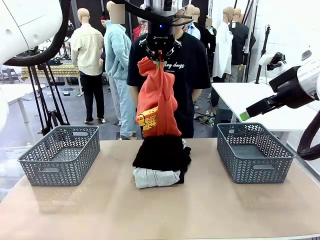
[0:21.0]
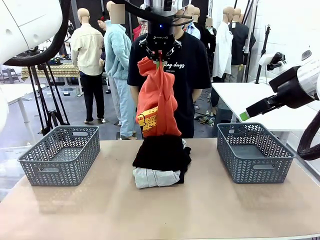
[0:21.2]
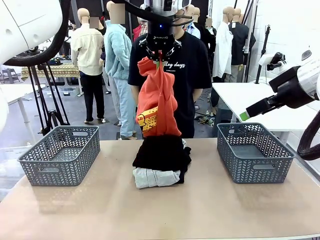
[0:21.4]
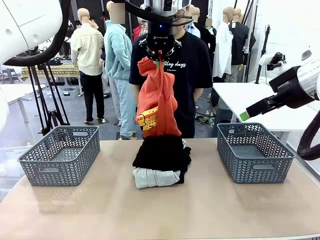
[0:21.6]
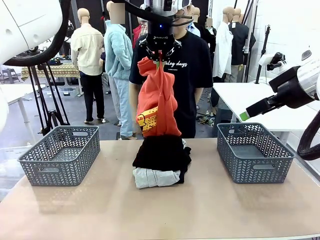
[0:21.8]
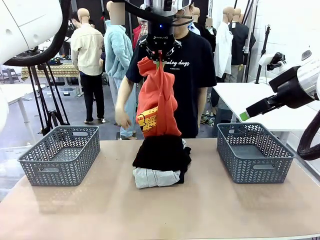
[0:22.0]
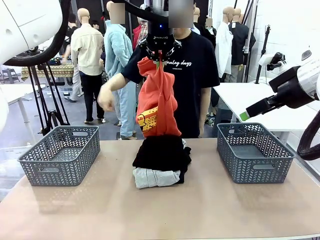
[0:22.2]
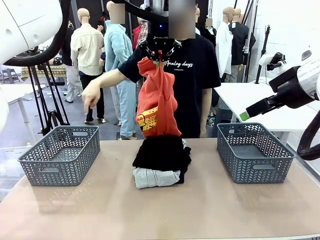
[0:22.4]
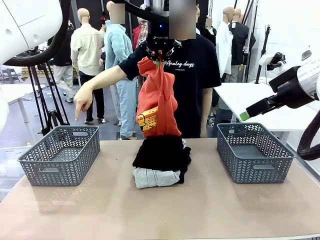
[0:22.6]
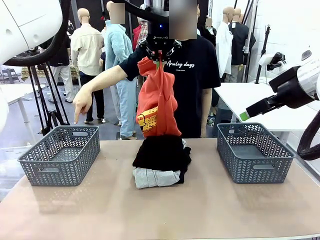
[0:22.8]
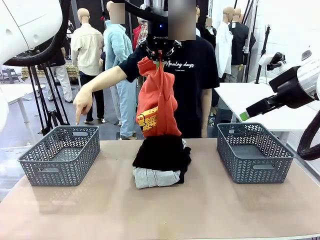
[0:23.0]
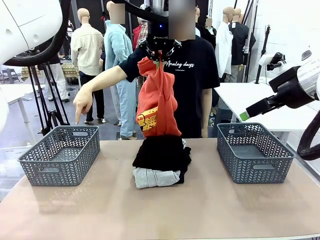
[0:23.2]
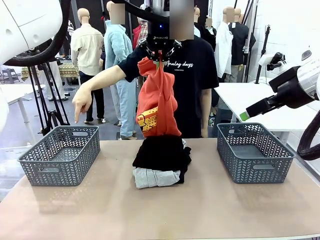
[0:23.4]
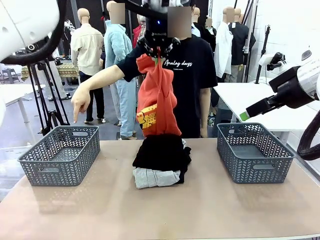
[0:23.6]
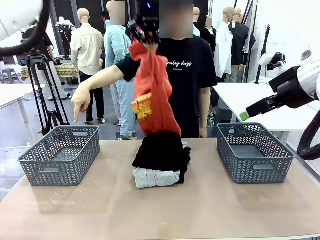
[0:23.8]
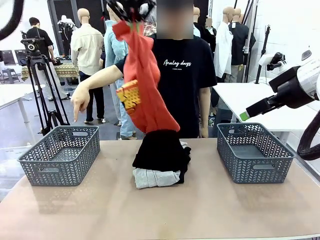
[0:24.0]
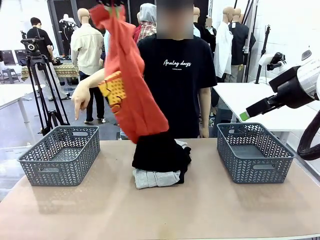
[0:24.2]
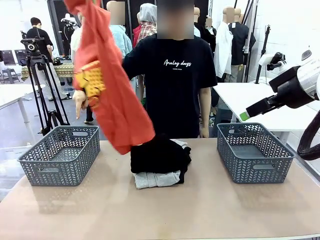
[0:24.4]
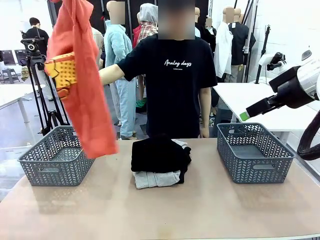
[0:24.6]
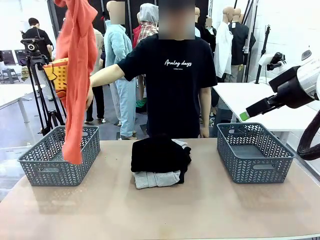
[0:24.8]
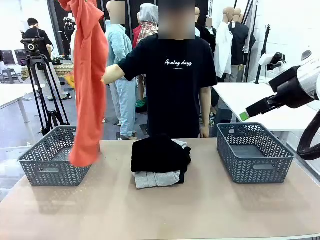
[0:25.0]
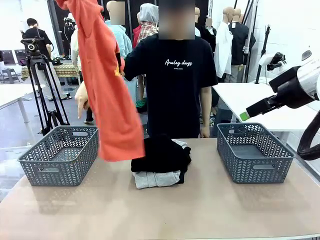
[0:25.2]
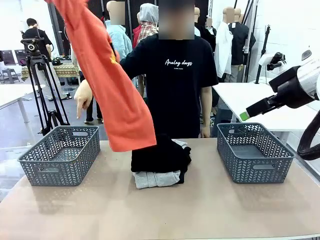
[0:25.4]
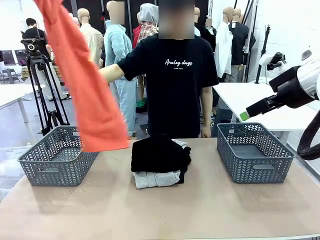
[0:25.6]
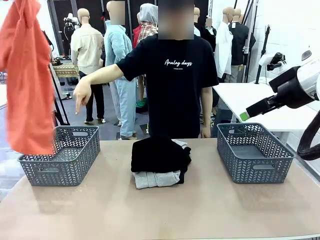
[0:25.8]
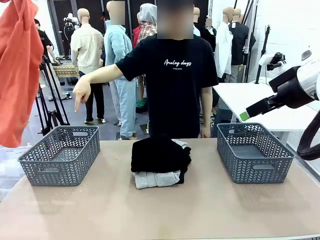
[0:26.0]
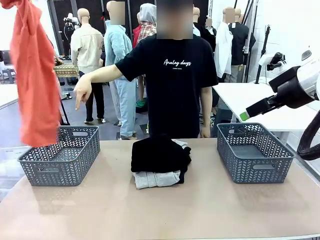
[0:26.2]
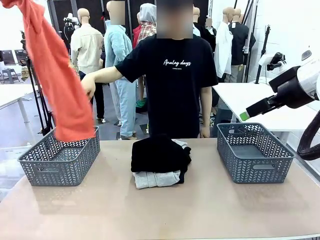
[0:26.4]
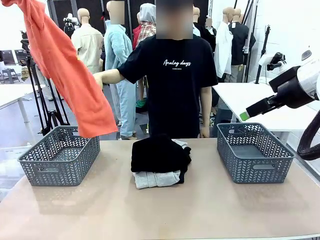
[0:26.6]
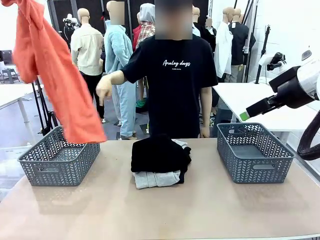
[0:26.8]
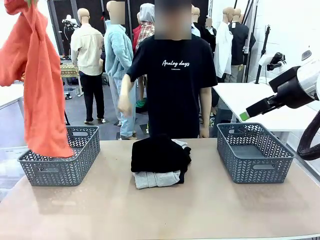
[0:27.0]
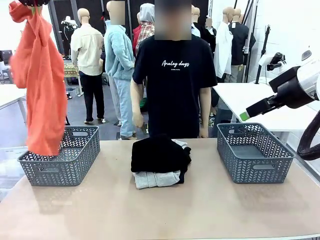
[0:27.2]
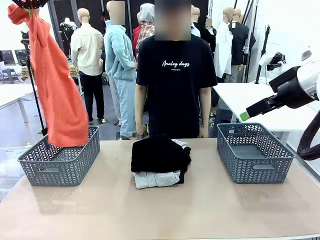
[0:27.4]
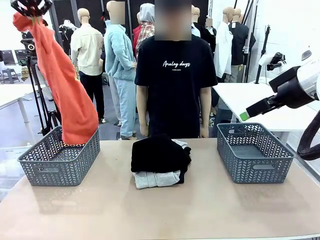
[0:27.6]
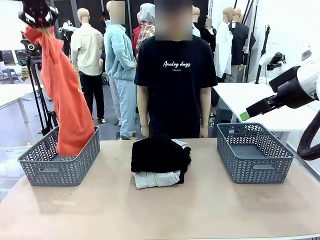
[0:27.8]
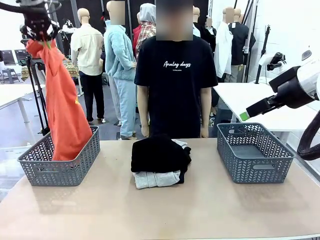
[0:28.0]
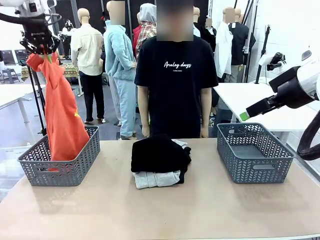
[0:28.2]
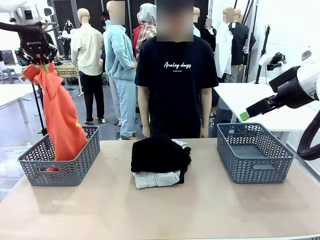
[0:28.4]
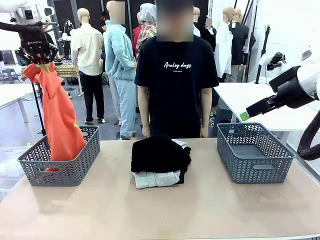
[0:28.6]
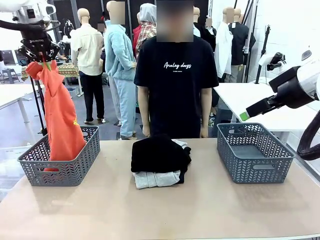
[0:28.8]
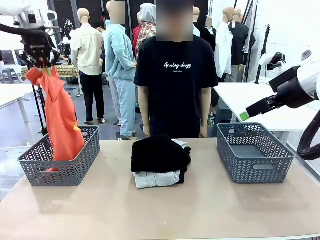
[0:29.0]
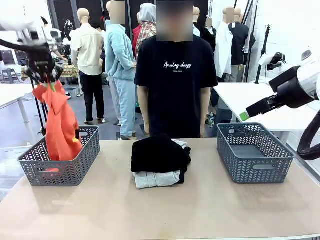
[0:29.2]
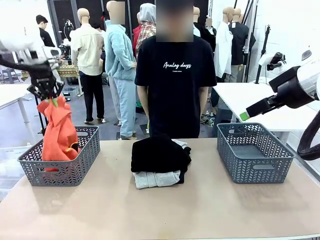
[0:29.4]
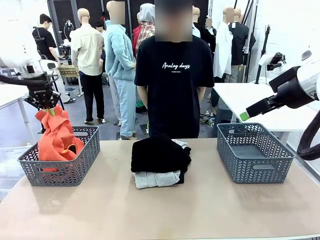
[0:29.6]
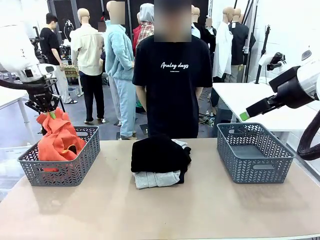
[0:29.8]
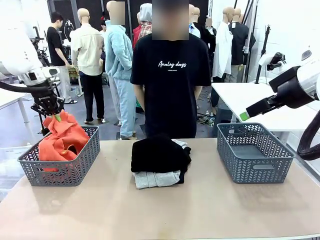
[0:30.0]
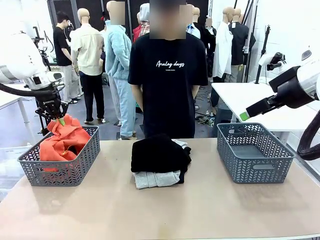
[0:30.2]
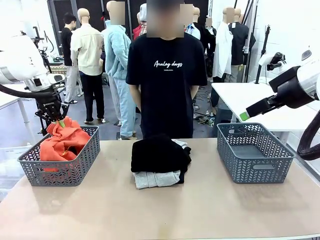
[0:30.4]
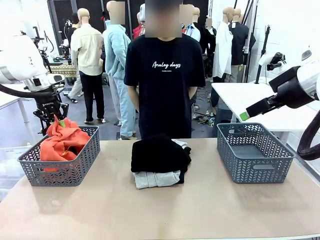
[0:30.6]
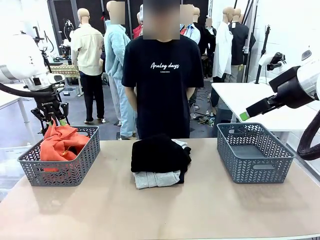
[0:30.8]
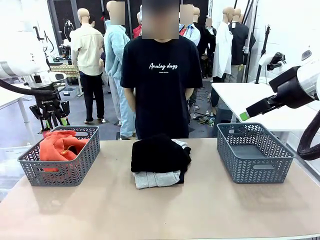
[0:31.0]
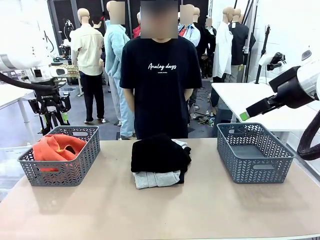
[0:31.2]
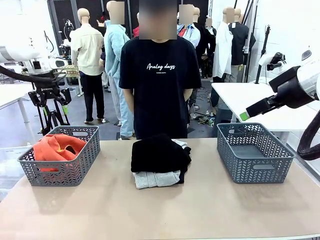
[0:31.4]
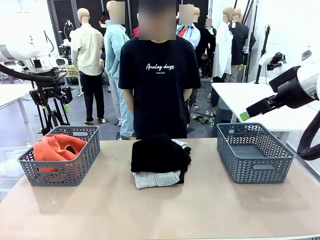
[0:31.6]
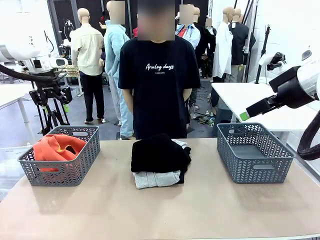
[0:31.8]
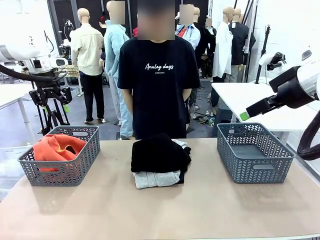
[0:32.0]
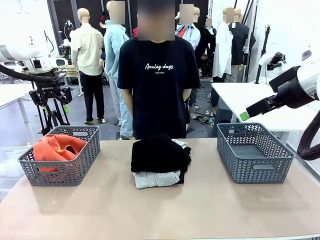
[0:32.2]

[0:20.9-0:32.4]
Task: Sort the tops and bottoms.
Robot: Sort the clothes according to human instructions.

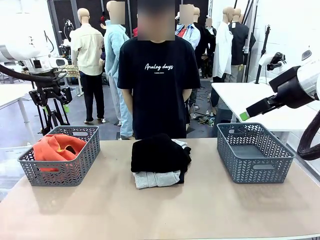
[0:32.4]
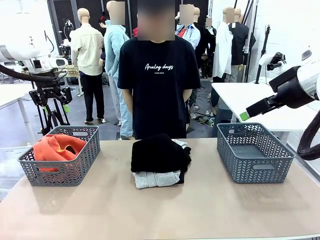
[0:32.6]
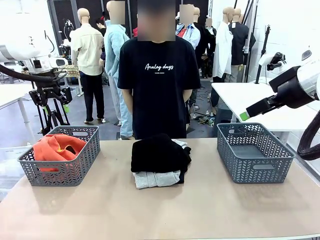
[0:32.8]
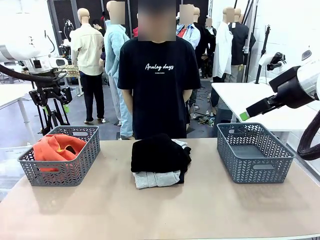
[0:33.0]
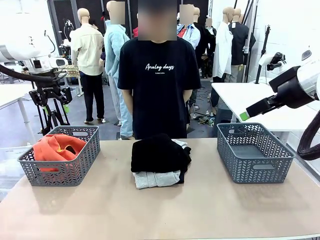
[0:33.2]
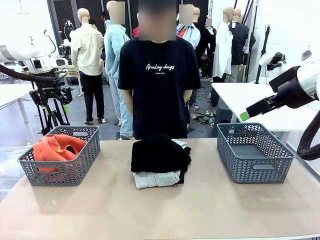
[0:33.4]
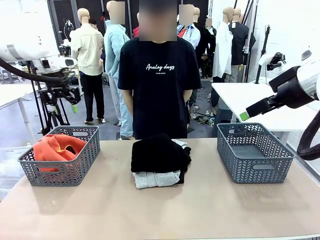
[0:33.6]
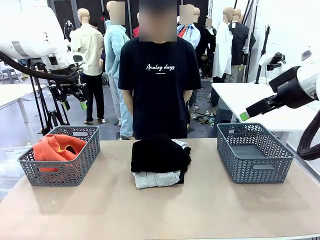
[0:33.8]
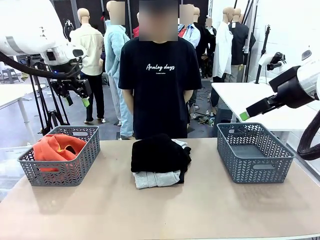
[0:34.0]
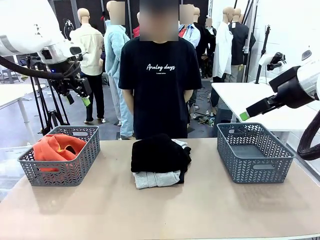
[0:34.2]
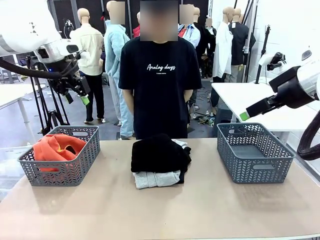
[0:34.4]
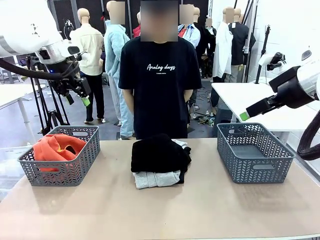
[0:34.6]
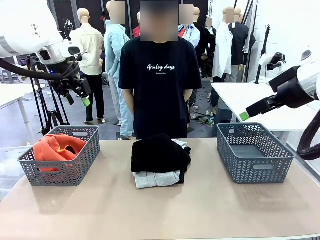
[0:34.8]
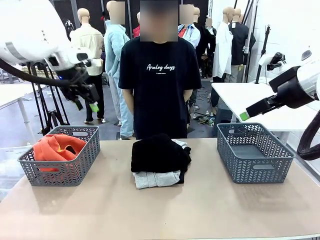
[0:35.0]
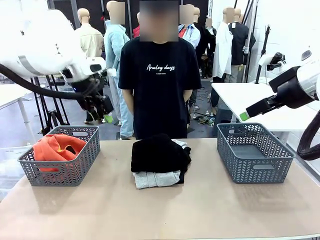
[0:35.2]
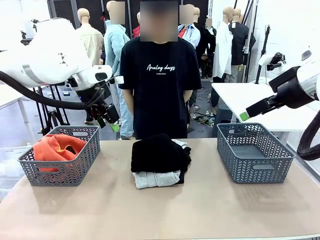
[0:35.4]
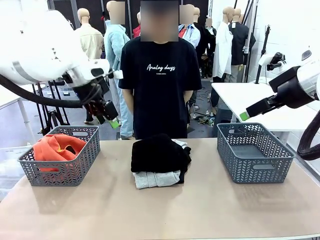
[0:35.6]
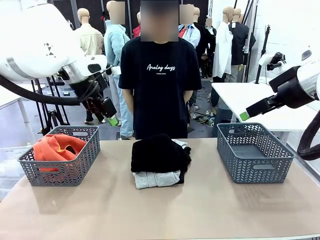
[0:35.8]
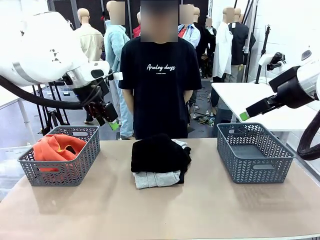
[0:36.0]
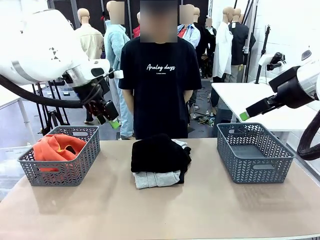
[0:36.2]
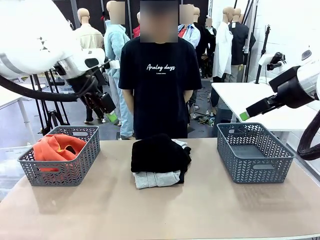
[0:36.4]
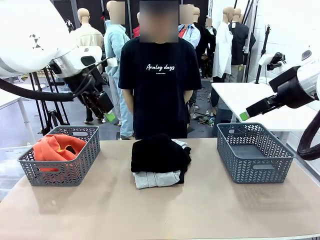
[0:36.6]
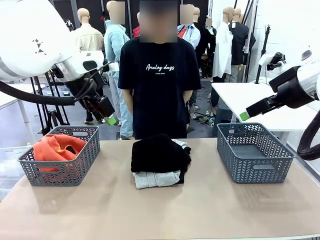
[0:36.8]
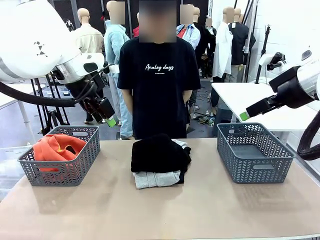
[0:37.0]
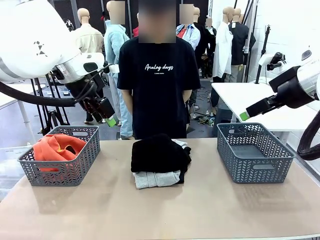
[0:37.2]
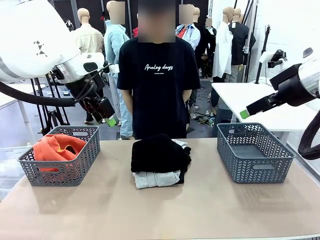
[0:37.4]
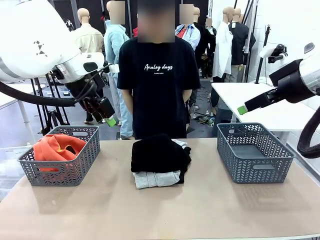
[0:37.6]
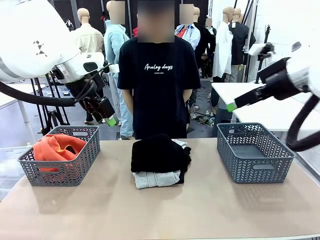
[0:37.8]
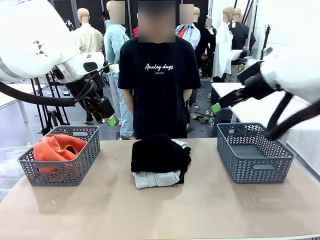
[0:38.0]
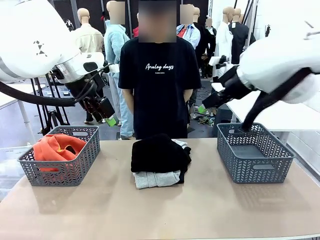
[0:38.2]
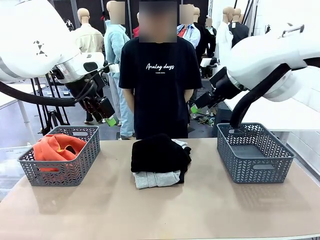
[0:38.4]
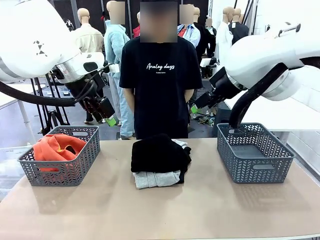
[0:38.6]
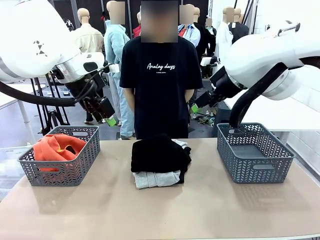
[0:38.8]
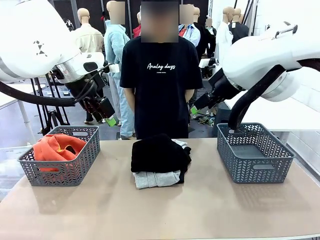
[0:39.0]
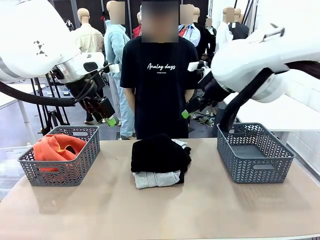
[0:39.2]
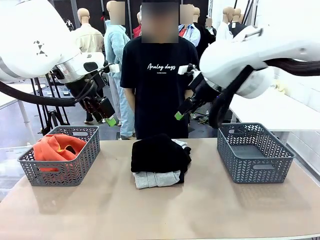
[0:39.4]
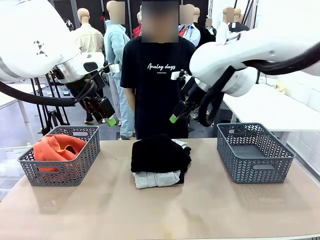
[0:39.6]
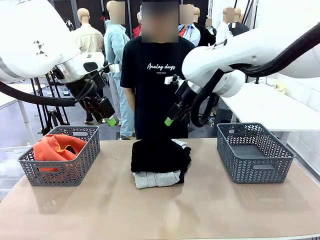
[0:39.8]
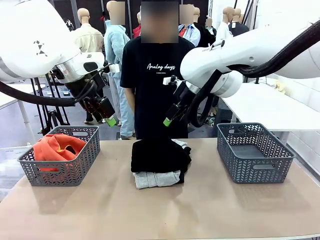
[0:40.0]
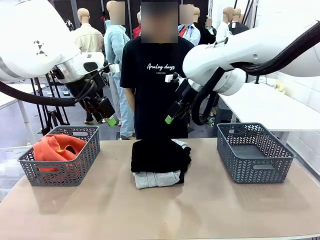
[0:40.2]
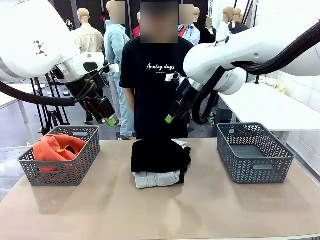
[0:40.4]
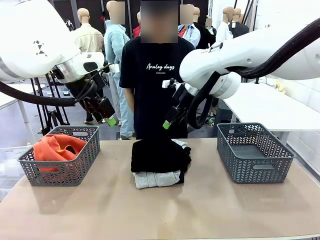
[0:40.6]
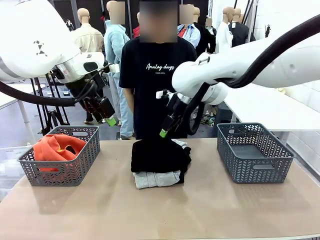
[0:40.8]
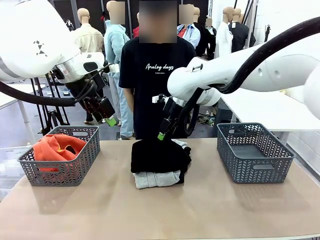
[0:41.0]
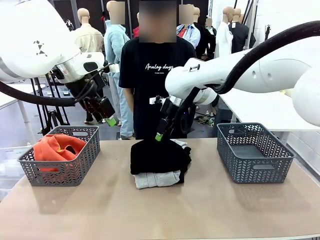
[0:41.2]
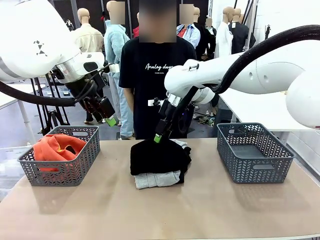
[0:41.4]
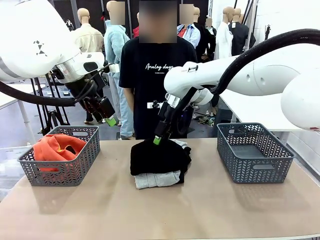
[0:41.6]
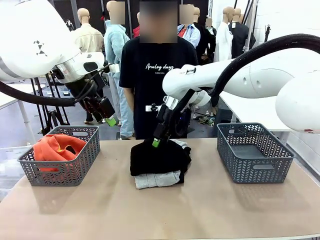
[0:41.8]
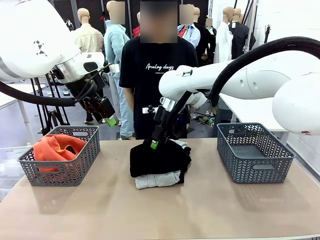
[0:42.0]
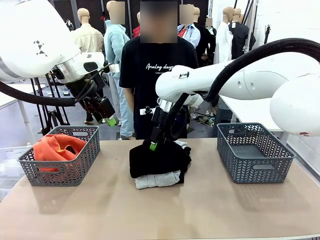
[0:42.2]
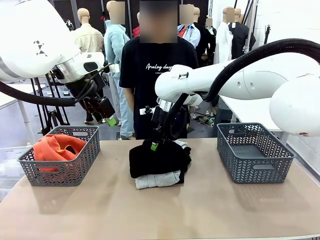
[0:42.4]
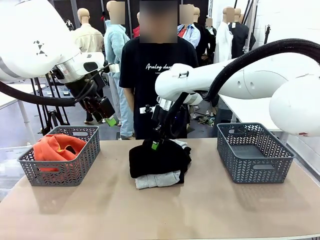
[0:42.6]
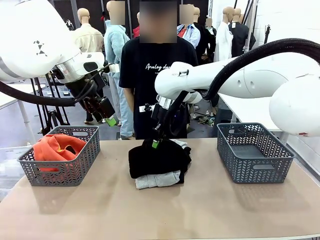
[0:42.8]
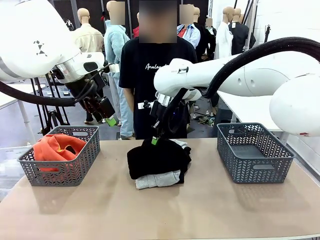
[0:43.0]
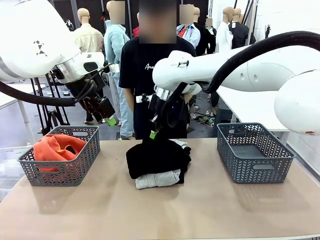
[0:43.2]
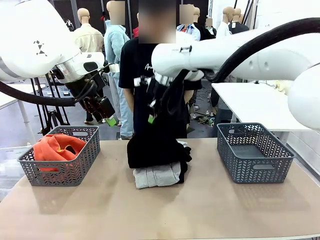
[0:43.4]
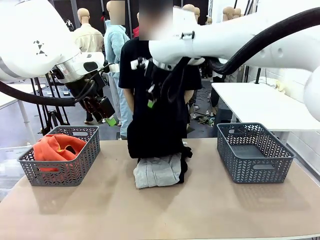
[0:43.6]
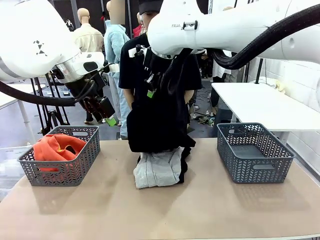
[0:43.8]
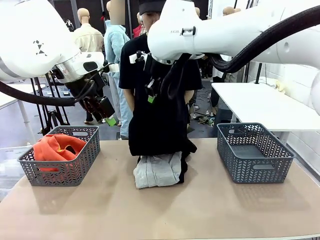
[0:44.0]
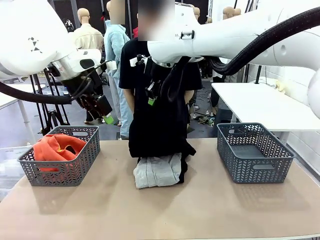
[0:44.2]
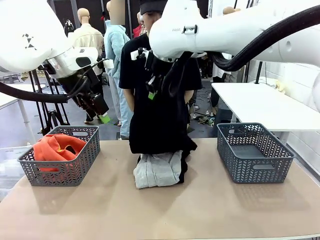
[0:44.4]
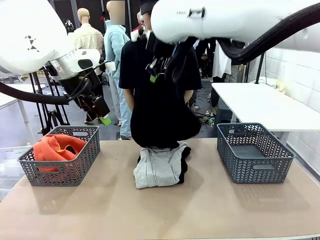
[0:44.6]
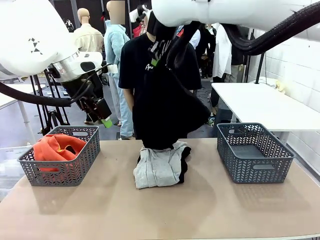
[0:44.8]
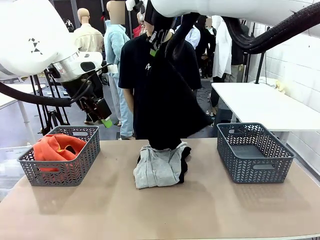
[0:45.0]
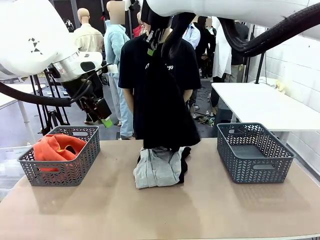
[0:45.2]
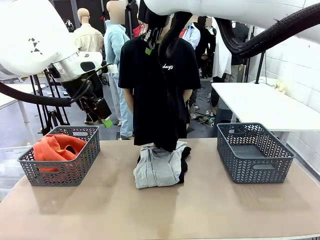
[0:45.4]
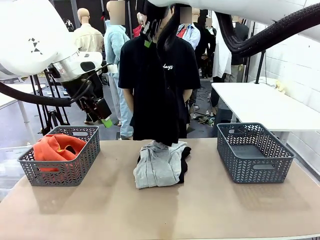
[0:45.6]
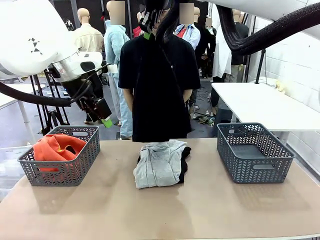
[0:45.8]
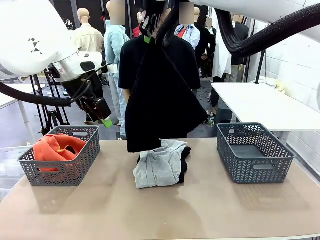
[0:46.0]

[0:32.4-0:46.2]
Robot: Lift clothes from the center of the table with your right hand.
